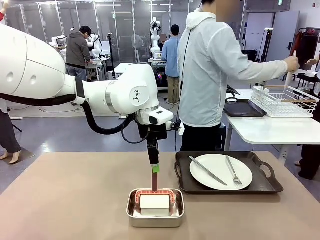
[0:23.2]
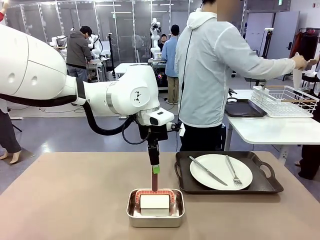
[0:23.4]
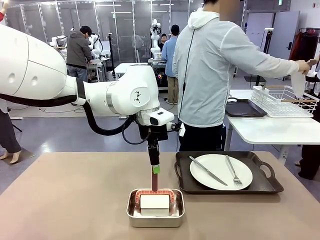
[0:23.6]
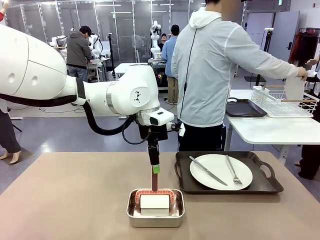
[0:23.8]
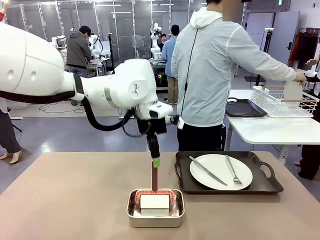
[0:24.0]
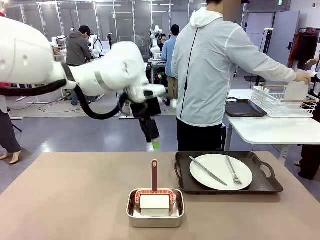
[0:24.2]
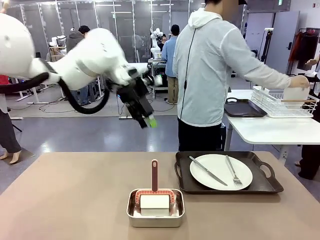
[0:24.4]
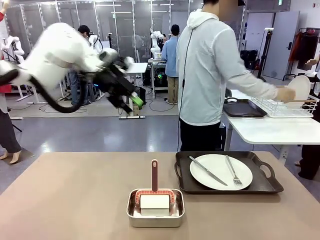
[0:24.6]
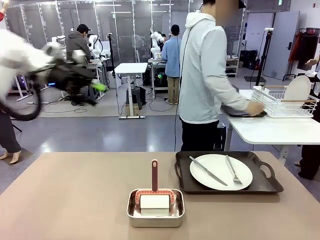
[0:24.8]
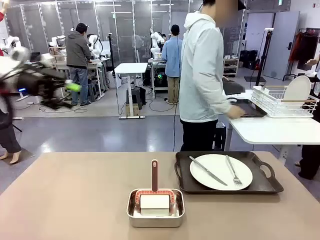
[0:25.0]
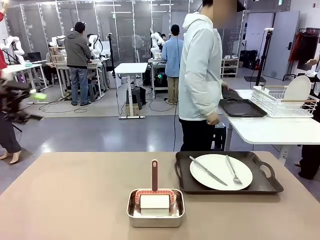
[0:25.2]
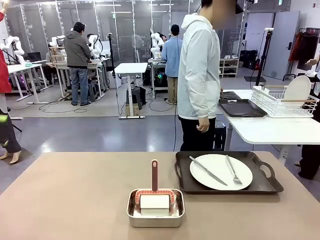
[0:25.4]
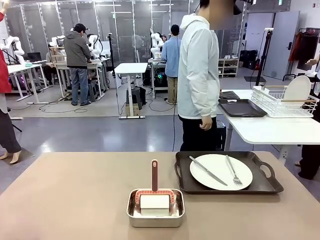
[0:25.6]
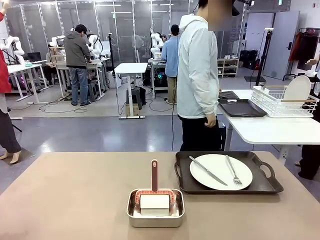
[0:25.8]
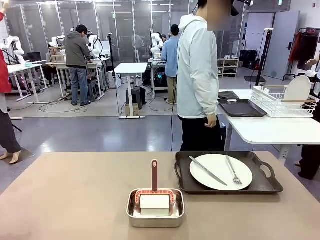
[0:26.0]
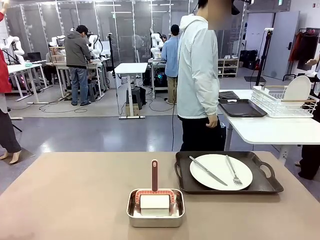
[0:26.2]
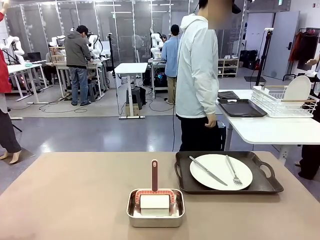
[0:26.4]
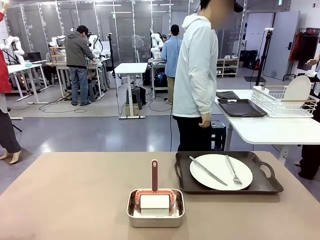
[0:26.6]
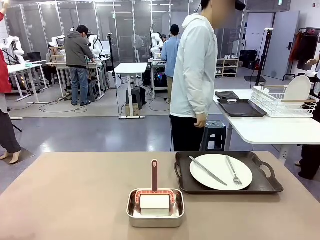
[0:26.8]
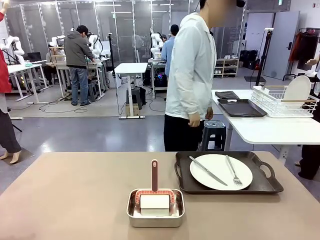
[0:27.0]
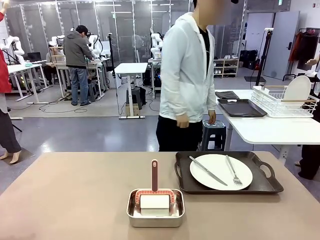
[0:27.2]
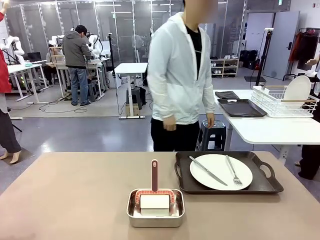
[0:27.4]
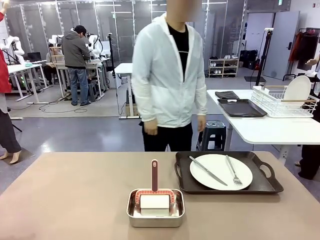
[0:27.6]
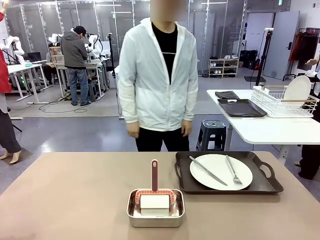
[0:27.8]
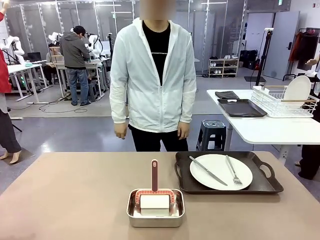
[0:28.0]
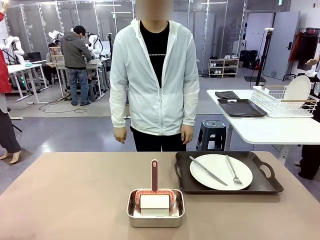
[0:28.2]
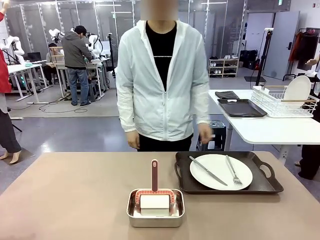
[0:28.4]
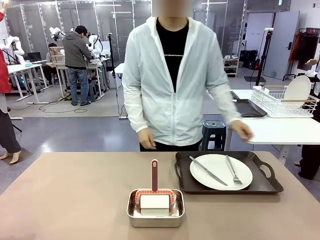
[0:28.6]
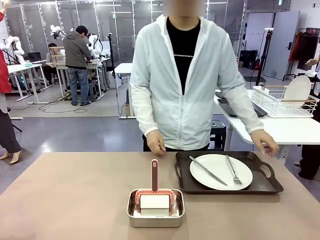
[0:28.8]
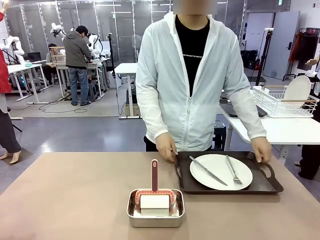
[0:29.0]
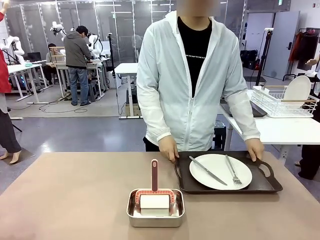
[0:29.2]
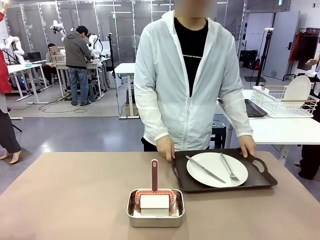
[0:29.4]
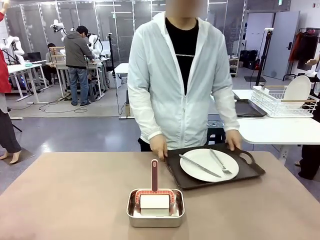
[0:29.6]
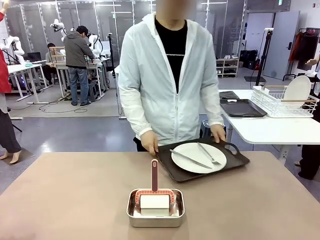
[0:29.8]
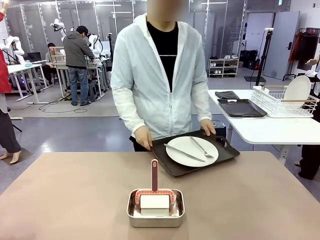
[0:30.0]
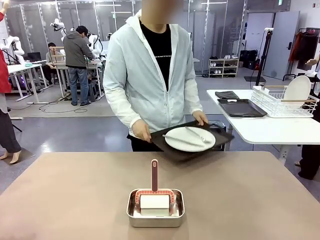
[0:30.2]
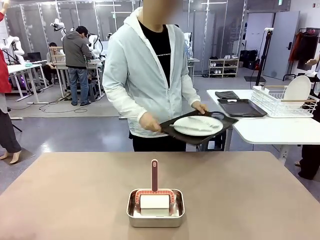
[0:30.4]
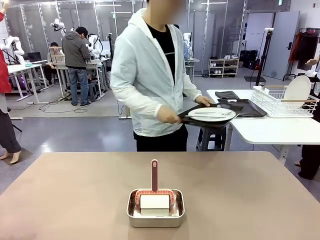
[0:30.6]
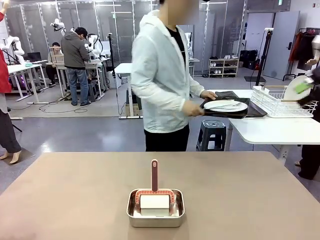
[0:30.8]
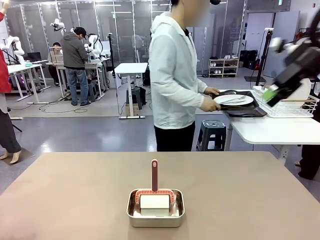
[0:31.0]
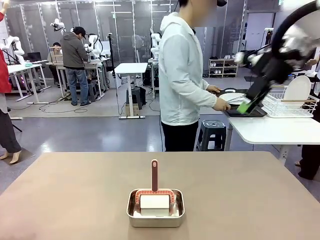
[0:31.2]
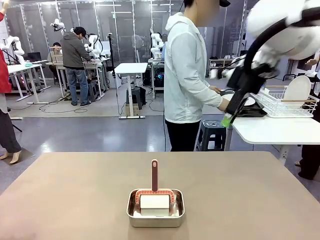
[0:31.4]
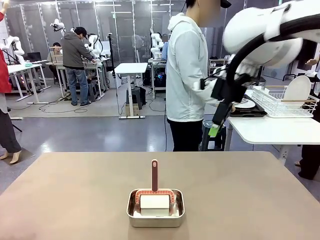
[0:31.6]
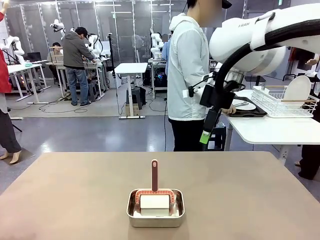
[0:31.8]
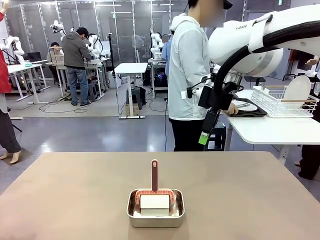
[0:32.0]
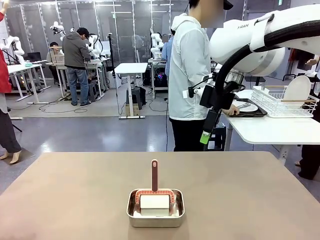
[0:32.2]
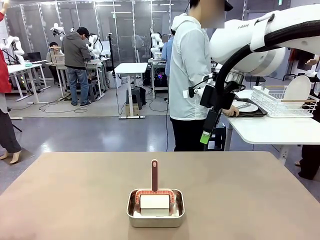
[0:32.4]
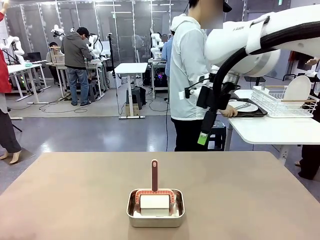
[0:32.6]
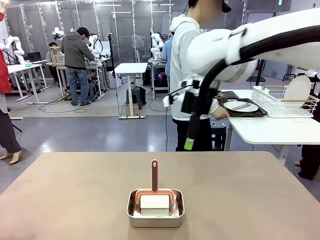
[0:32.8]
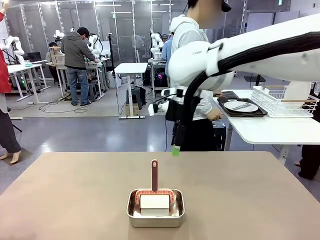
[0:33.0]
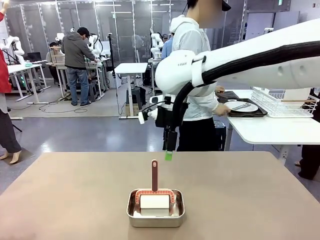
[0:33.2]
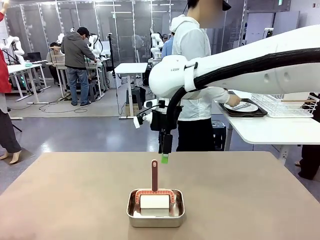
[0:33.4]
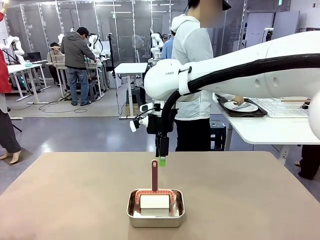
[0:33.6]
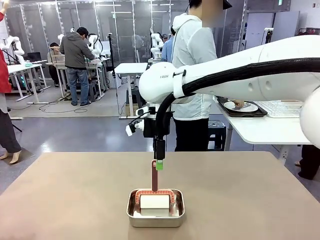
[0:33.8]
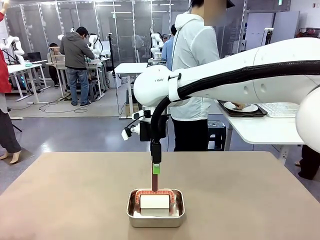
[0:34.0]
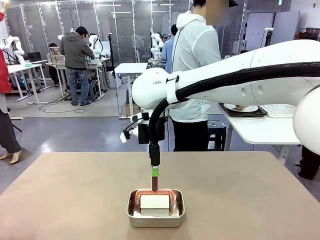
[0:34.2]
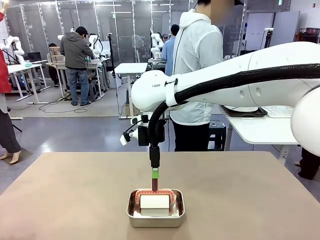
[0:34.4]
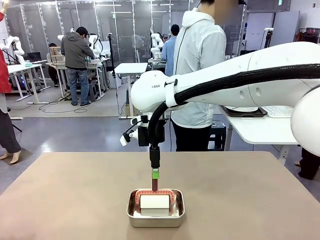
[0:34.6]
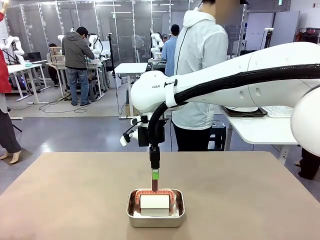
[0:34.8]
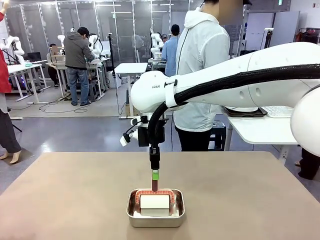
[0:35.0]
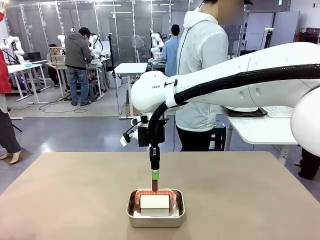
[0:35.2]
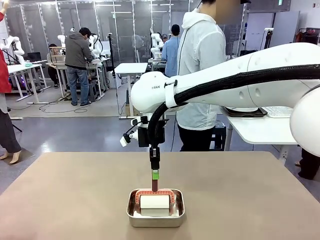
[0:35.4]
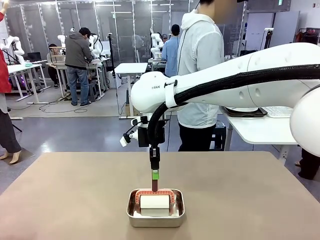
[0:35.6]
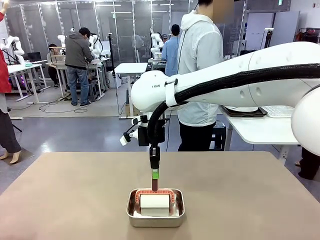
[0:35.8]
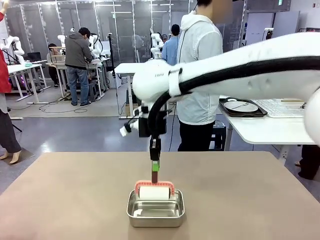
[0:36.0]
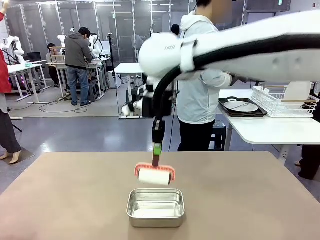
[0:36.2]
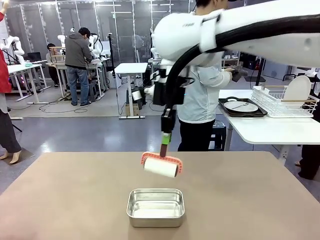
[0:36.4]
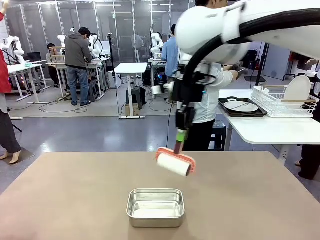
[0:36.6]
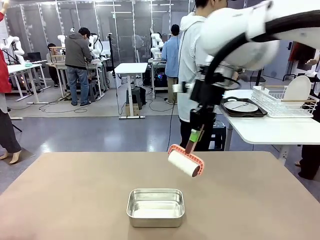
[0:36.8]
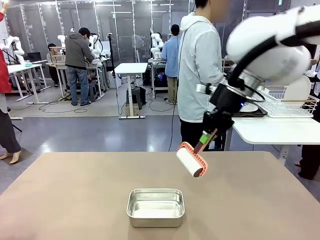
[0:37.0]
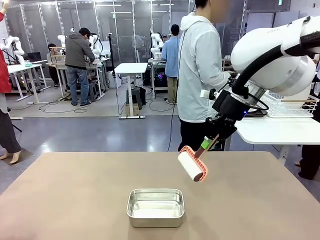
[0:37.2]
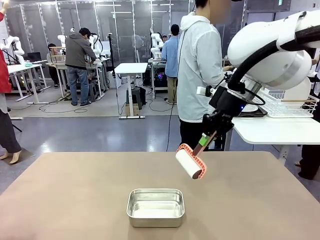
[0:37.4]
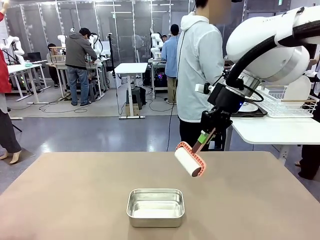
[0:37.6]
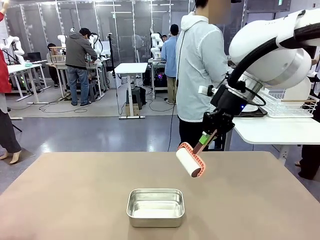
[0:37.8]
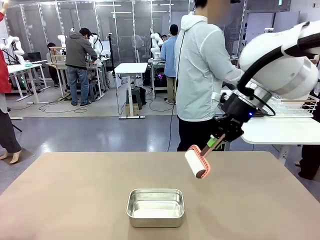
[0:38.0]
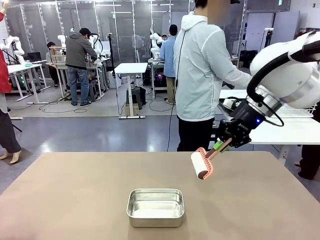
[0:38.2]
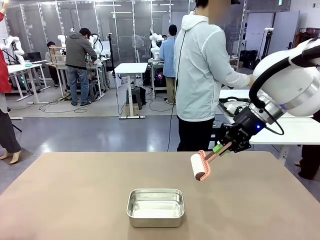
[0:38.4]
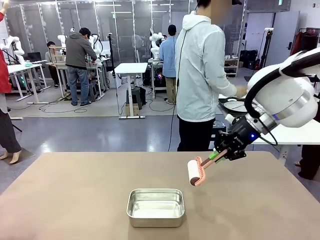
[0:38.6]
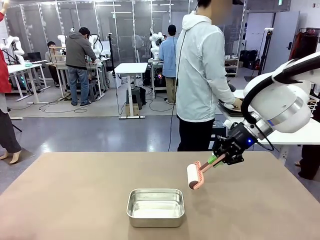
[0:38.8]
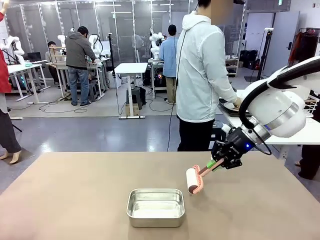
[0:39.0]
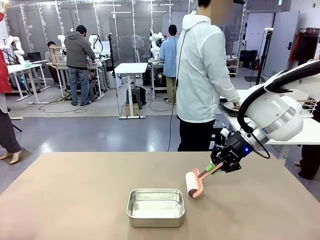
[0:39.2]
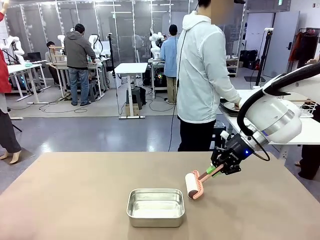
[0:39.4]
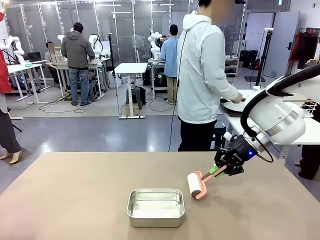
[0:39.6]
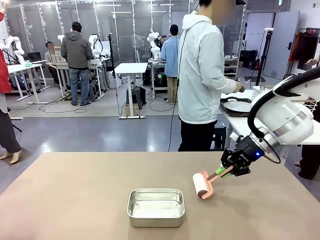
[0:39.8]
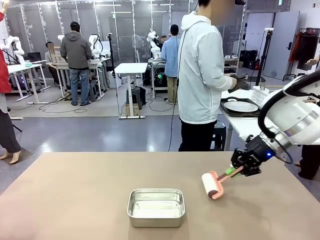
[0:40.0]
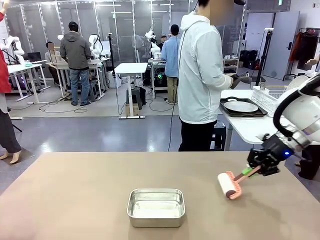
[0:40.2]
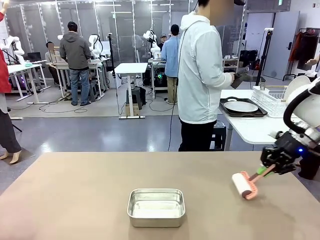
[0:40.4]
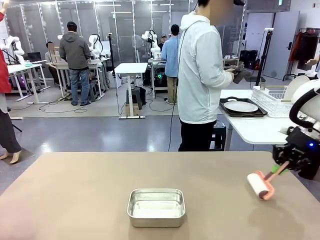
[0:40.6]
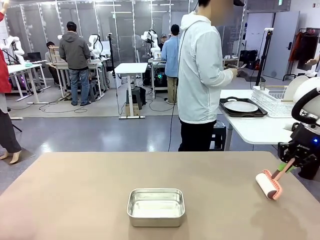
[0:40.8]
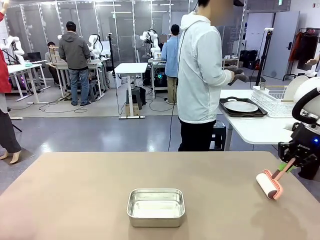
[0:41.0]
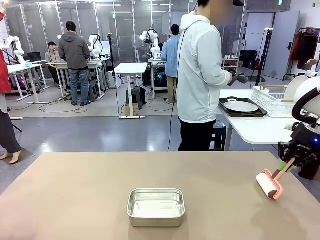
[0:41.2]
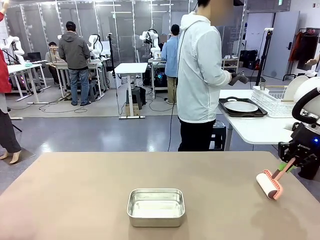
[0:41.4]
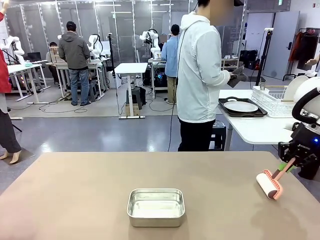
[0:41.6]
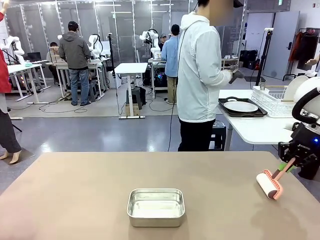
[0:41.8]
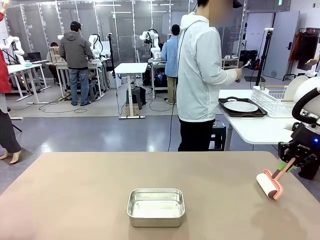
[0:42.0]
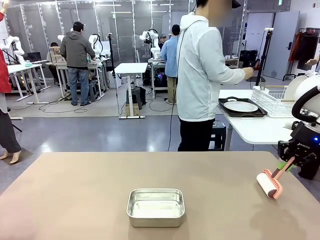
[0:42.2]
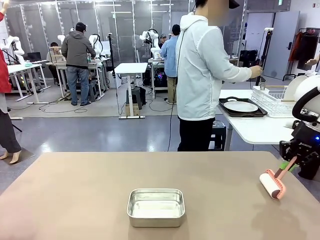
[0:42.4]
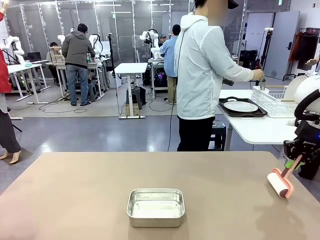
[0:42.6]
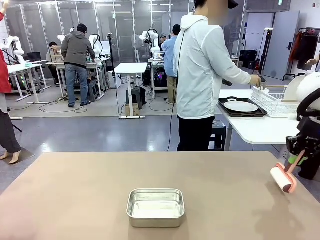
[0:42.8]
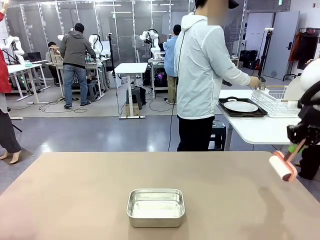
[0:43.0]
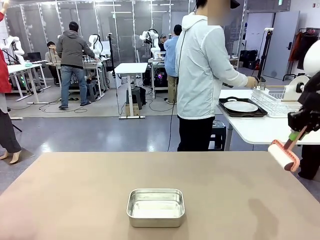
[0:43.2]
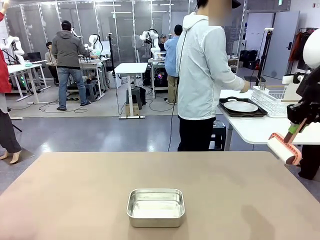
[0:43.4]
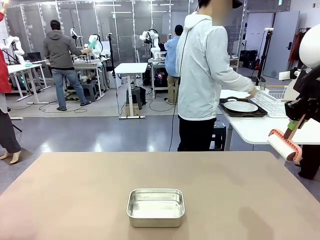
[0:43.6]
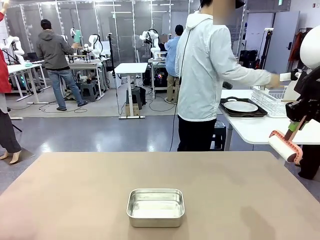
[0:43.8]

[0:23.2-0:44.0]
Robot: When the right (or left) Handle tray is removed, use the right hand (or left hand) to clean the right (or left) side of the table with the Lint Roller.
Person: Pick up the left (or right) Handle tray and place it on the Handle tray.
